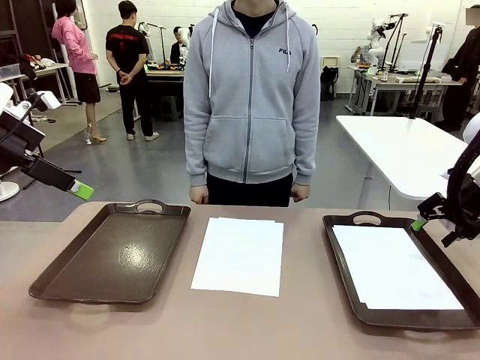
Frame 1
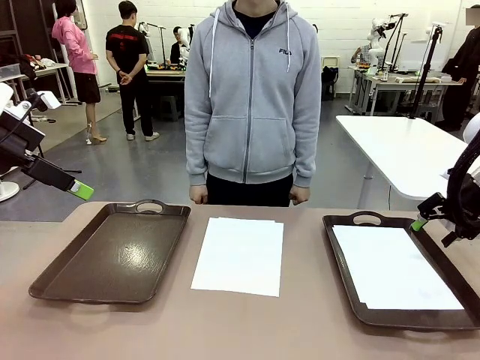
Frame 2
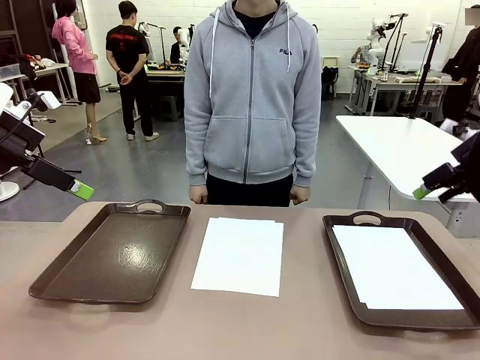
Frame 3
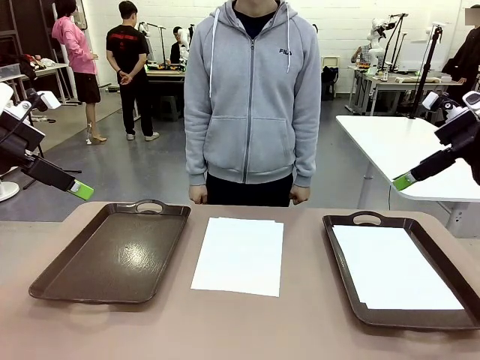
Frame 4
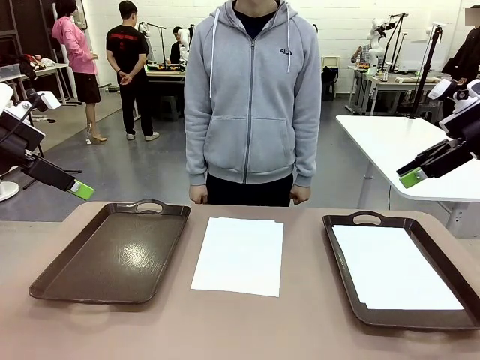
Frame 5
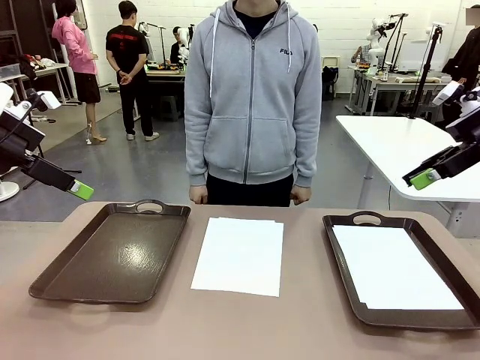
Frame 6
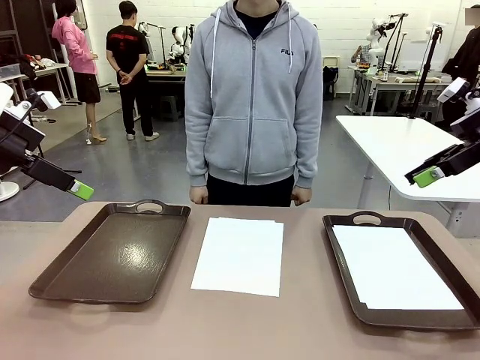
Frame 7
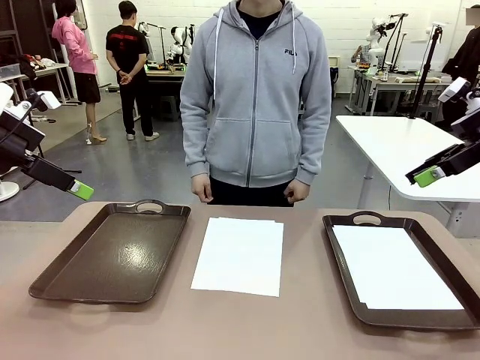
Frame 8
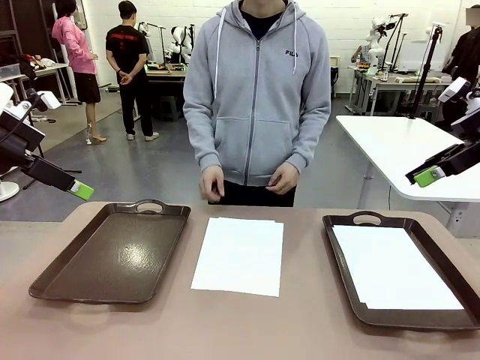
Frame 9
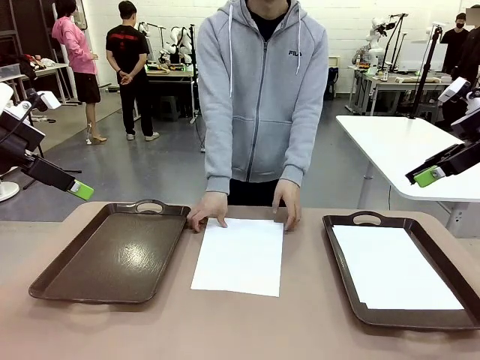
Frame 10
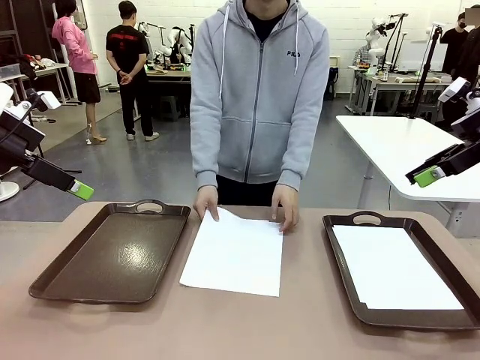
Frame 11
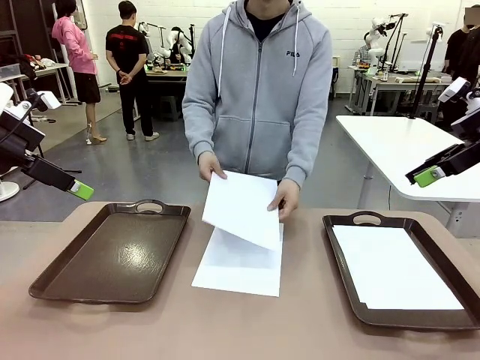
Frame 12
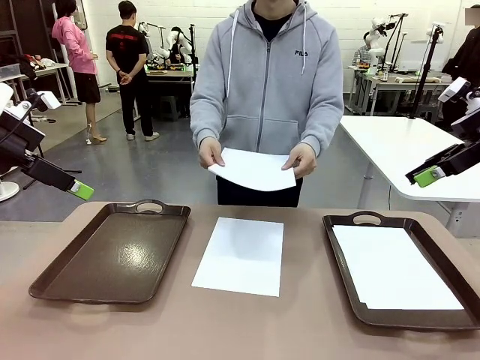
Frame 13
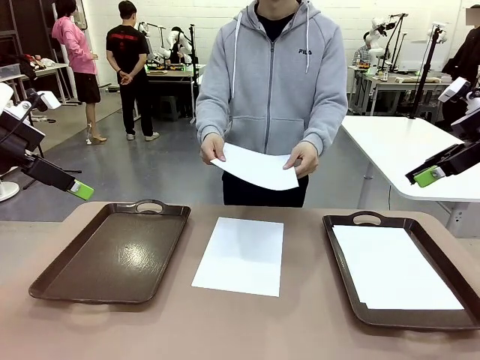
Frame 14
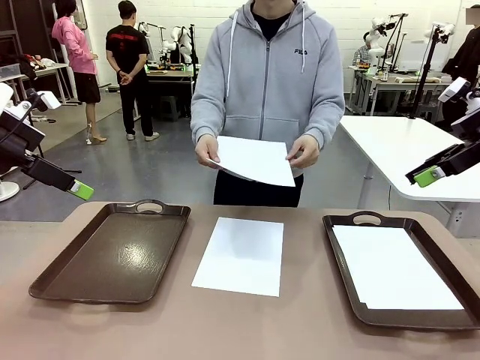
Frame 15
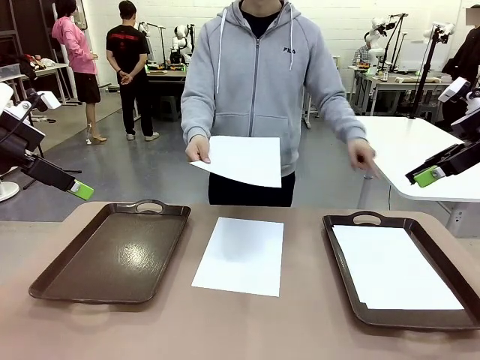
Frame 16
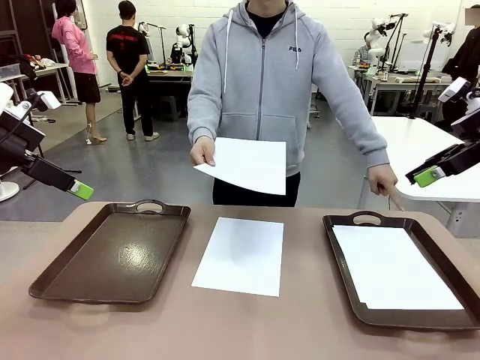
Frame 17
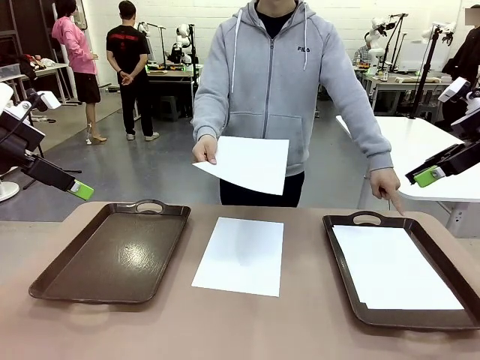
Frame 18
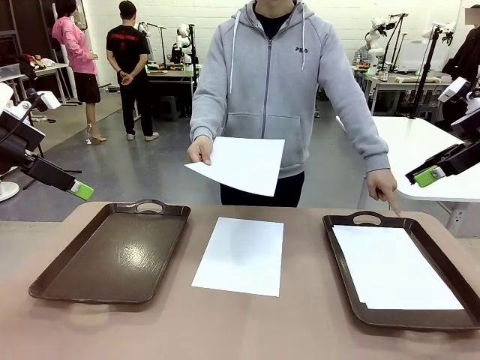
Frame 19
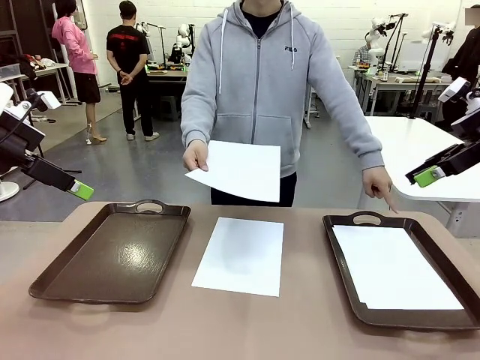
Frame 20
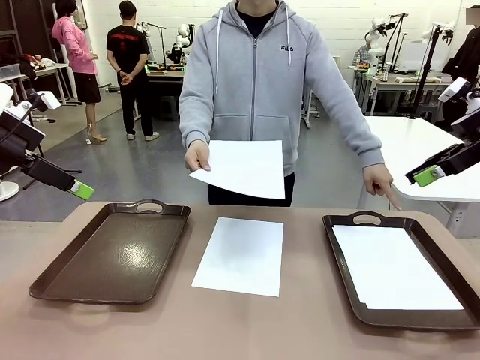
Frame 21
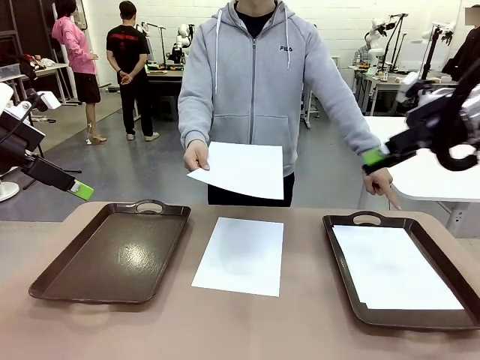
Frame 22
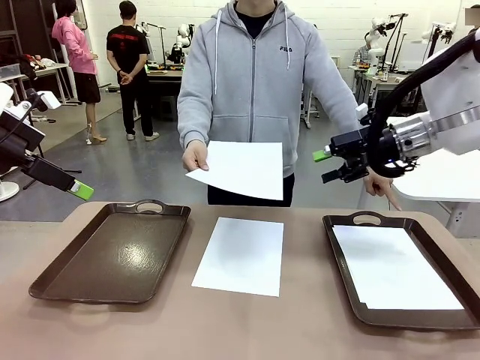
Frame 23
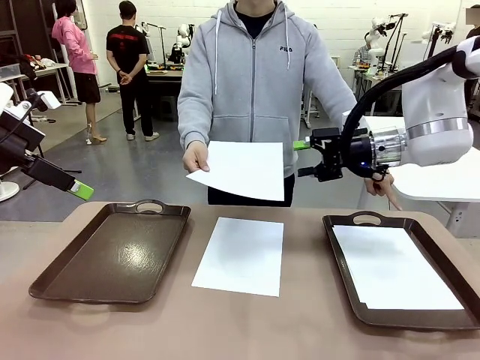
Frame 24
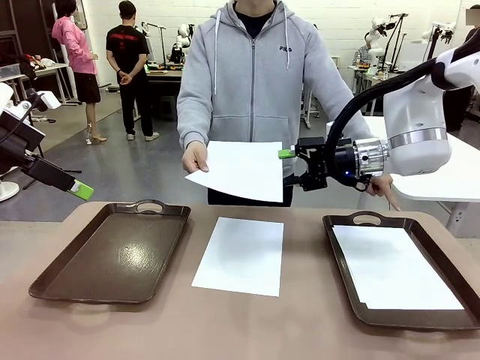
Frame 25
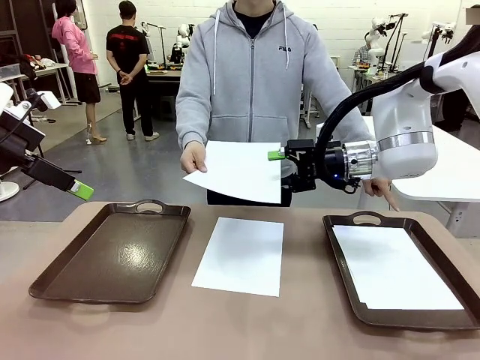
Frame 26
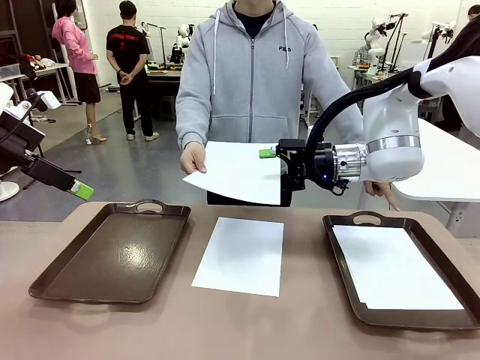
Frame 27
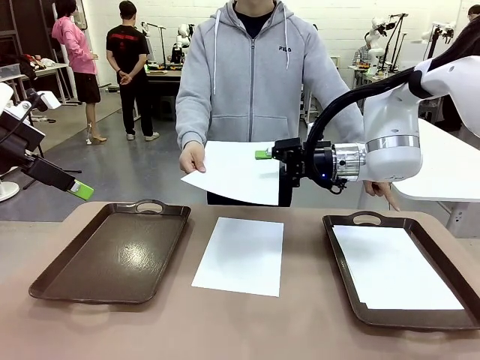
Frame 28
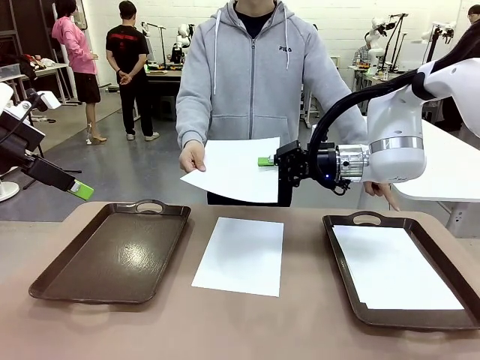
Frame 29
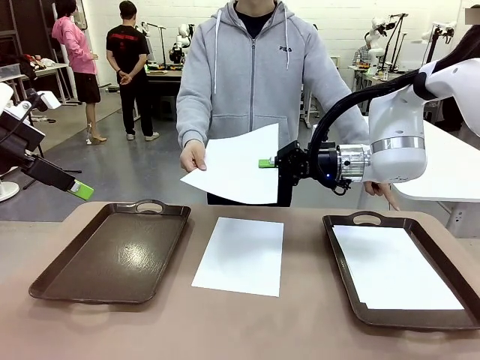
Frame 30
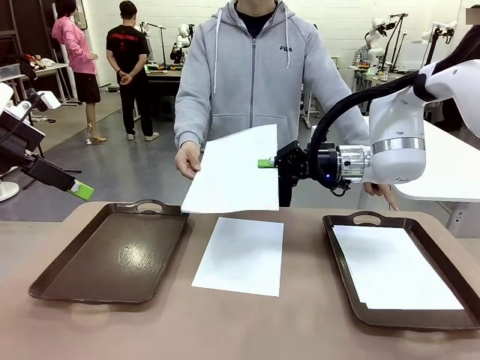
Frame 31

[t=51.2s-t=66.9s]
Task: Sort the A4 documents.
Robot: Receive the A4 Paper.
Person: Point the randomly selected tray with the other hand.

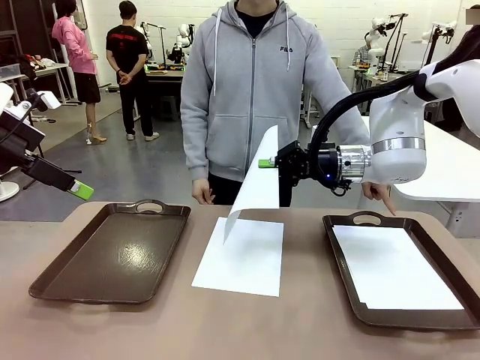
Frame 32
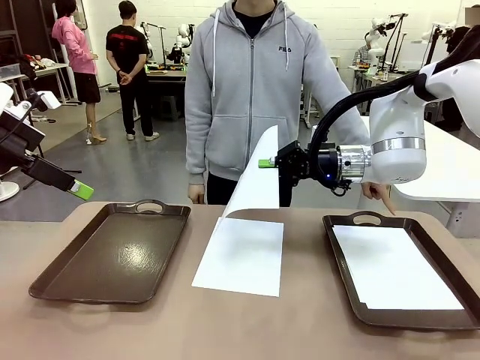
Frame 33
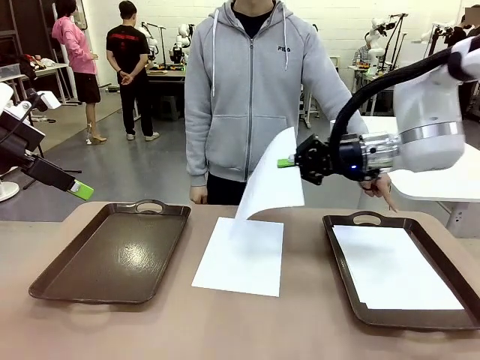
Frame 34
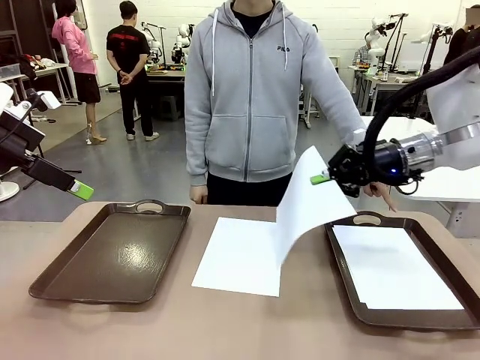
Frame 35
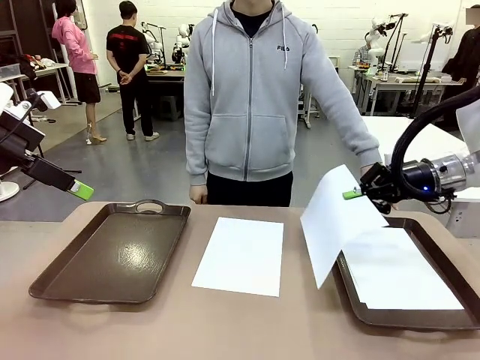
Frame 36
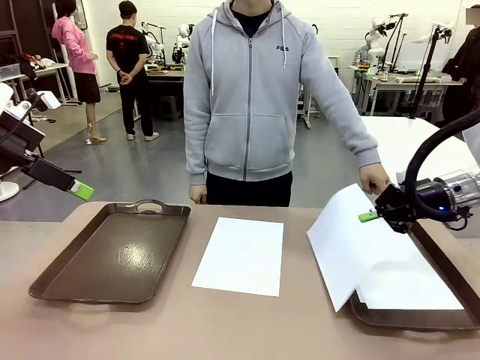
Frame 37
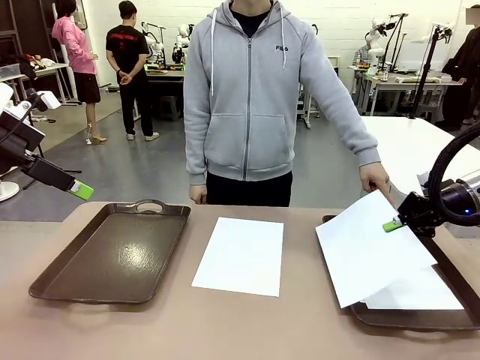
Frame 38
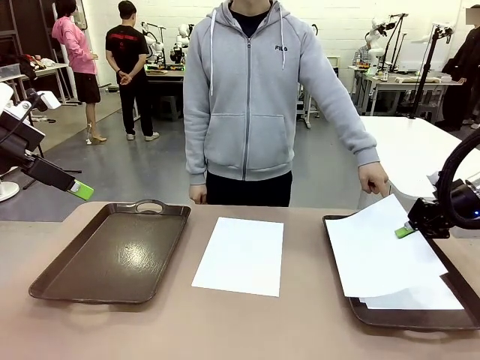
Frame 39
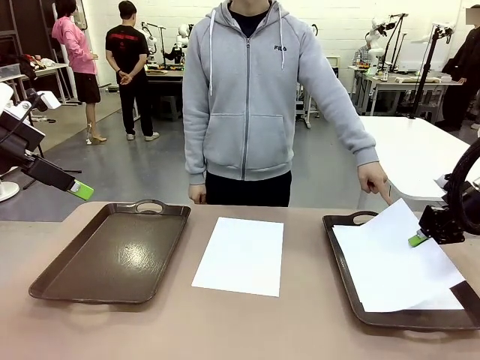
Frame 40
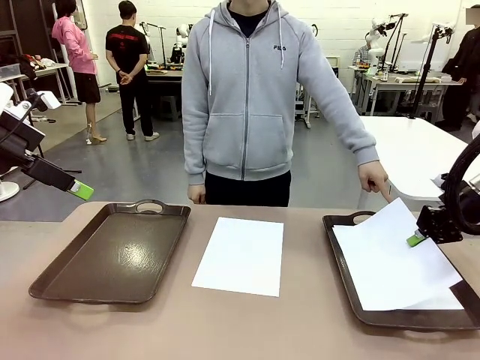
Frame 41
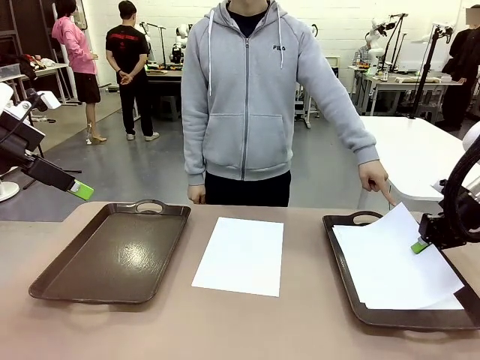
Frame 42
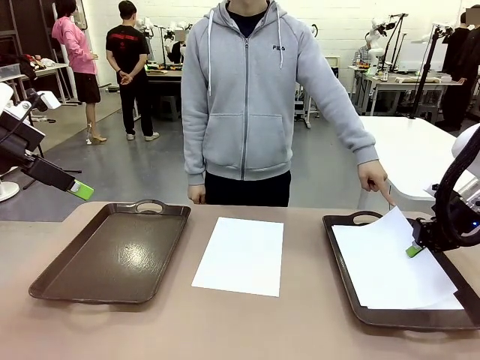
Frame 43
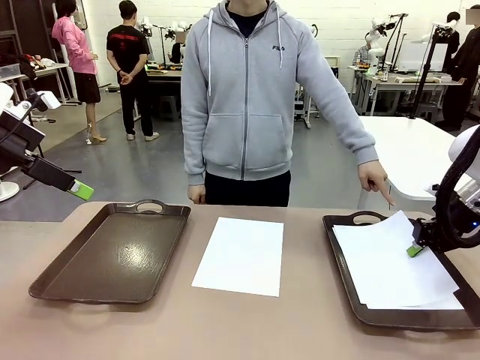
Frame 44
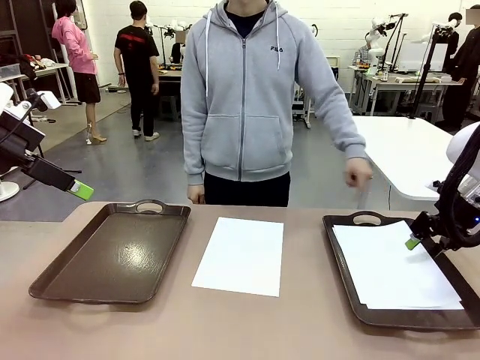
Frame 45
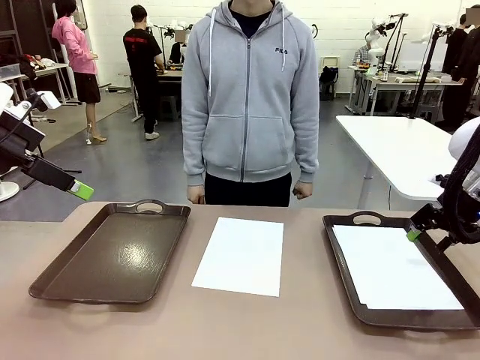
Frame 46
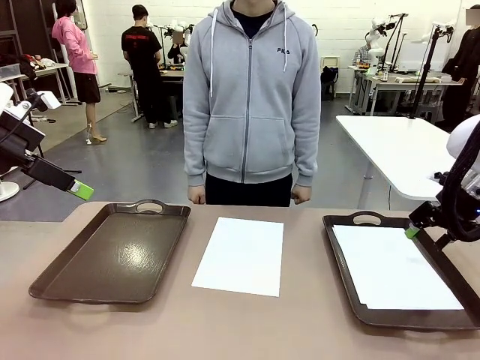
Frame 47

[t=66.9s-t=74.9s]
Robot: Place the A4 Paper in the designated Handle tray.
